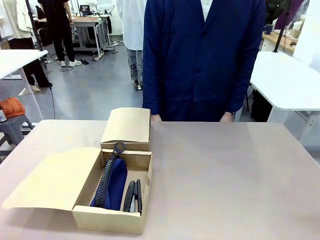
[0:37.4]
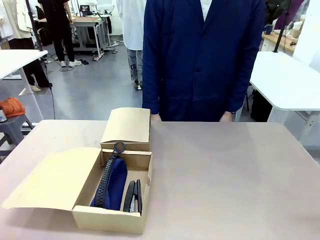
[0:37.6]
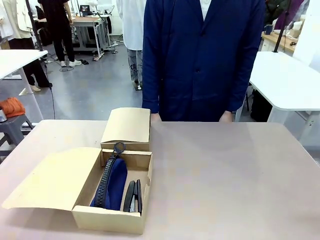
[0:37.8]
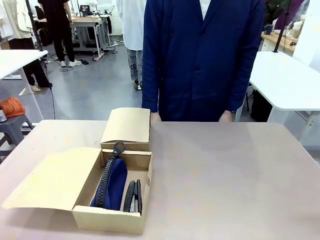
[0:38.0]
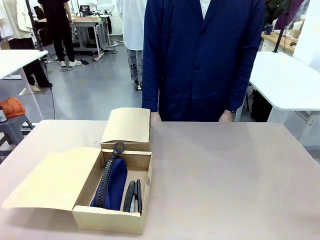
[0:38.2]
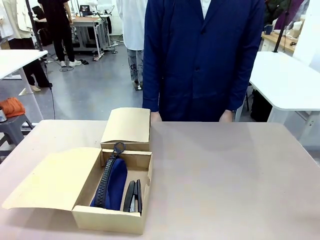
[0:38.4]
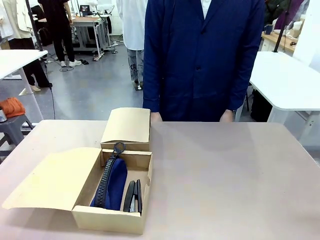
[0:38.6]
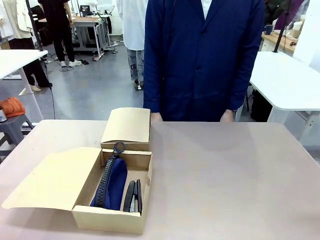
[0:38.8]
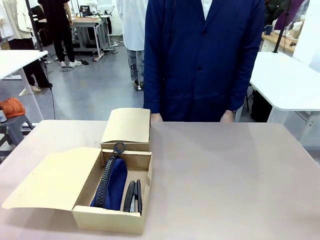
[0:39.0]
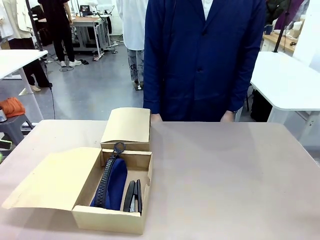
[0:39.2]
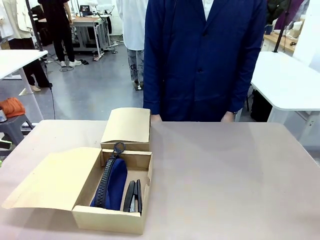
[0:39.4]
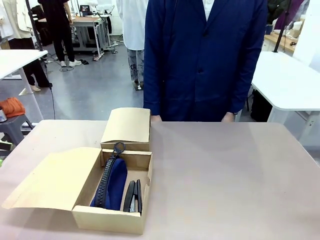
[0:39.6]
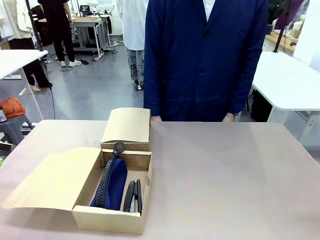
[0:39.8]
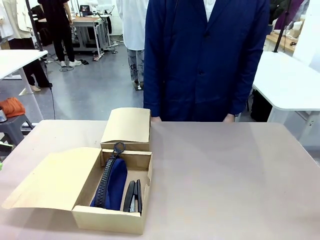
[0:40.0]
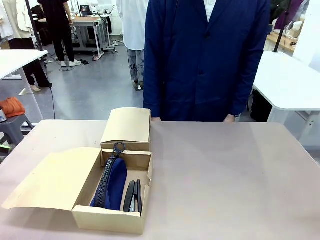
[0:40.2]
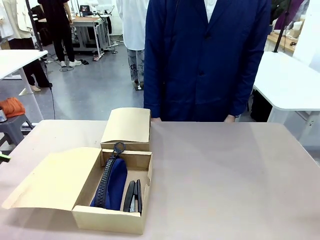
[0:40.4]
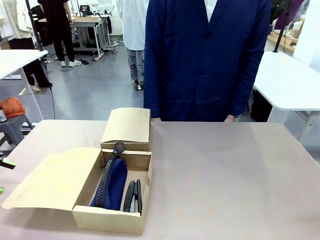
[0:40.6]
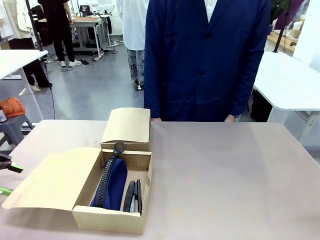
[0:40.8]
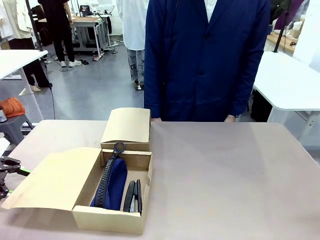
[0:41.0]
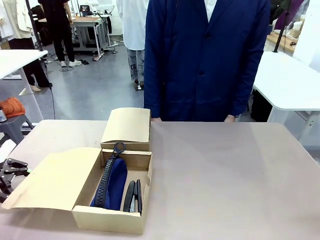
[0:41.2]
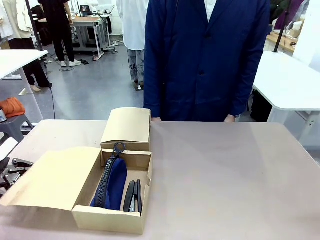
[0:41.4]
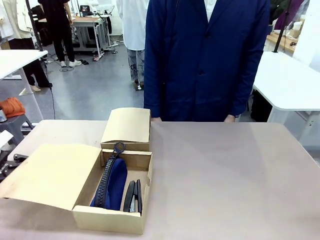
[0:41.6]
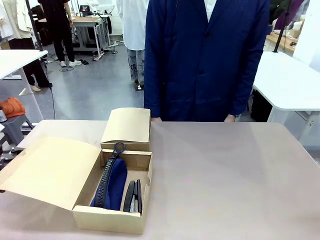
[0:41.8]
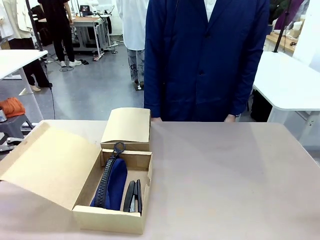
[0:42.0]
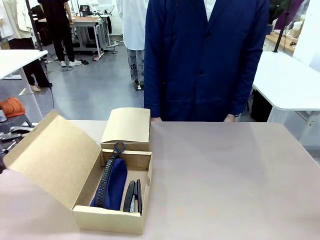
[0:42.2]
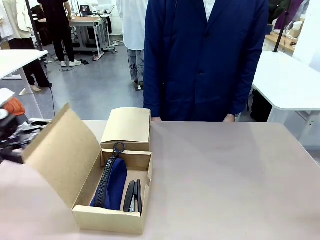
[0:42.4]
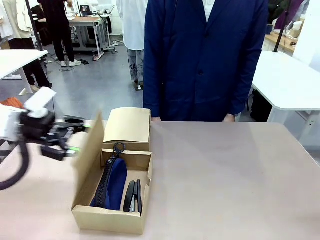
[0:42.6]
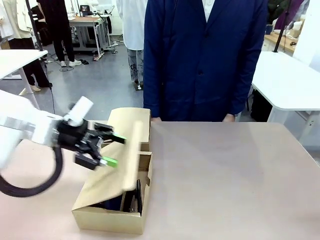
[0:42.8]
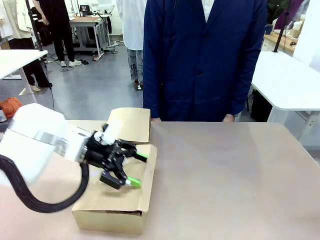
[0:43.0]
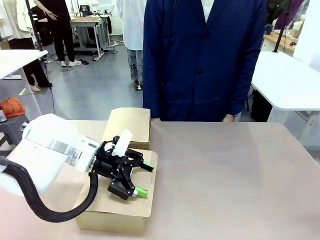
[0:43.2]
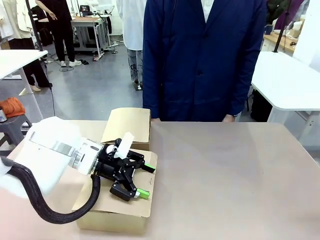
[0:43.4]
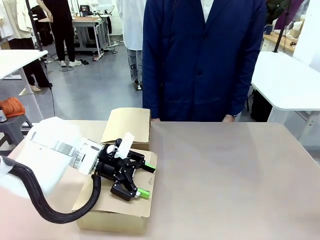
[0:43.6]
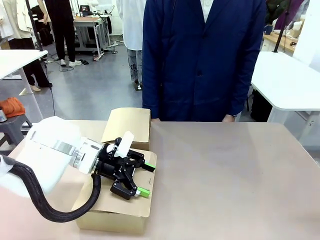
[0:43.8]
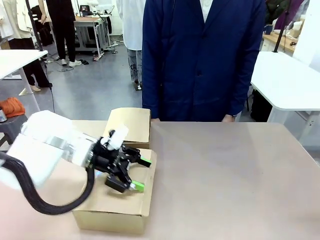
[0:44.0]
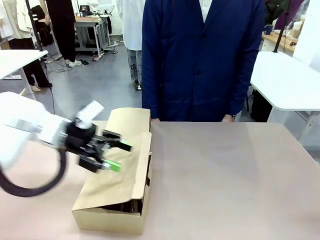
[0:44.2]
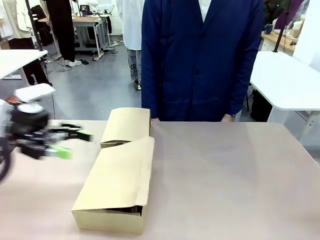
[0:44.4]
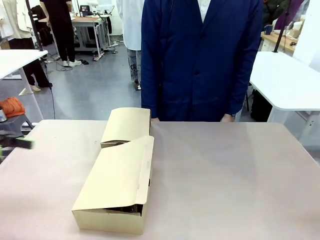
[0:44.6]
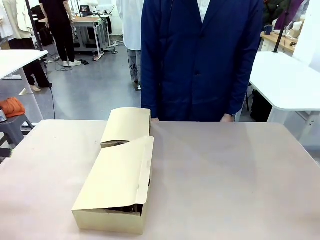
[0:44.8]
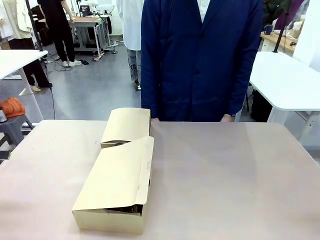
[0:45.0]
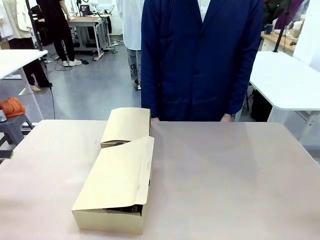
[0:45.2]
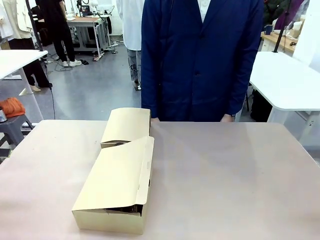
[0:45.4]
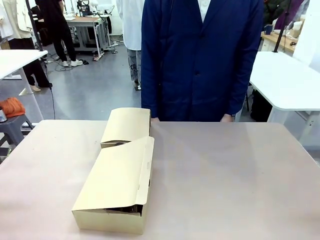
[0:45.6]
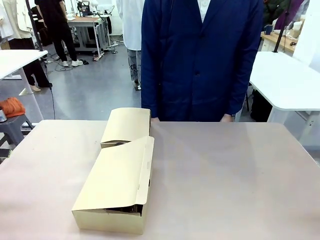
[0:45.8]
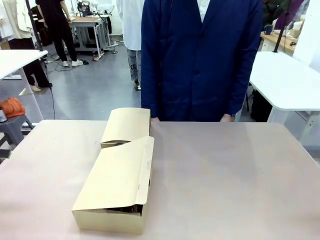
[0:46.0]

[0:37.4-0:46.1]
Task: Place items inside the box.
Robot: Close the lid of the Mailer Box closest to the robot.

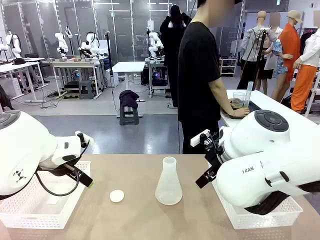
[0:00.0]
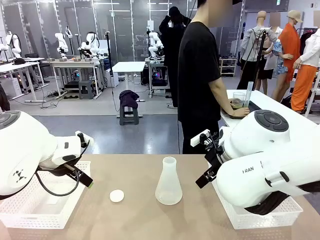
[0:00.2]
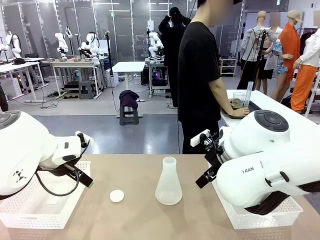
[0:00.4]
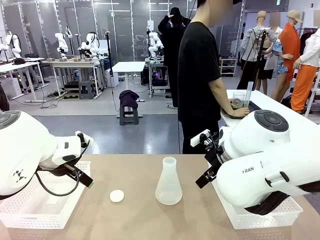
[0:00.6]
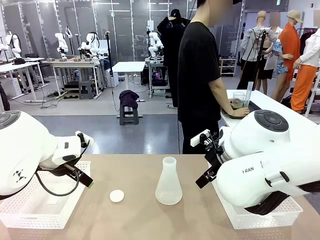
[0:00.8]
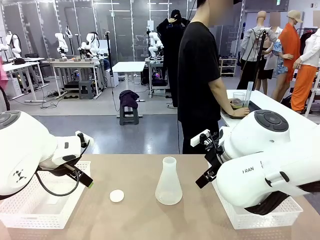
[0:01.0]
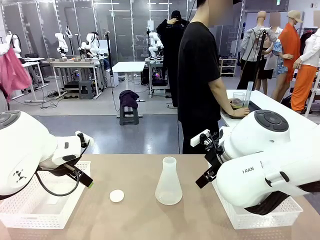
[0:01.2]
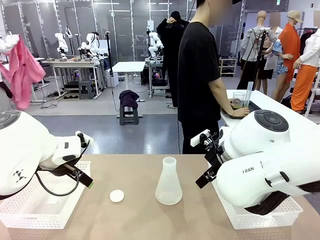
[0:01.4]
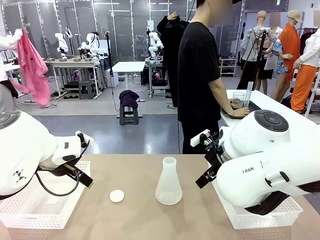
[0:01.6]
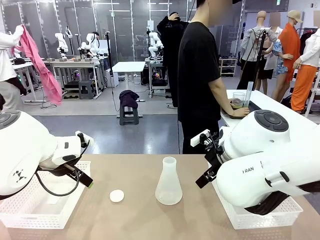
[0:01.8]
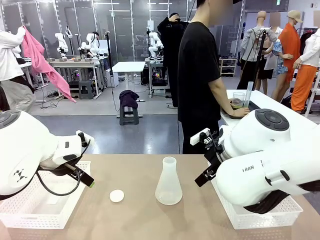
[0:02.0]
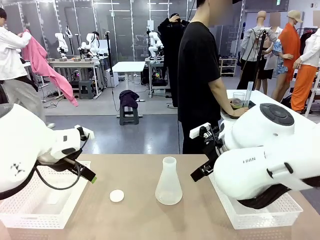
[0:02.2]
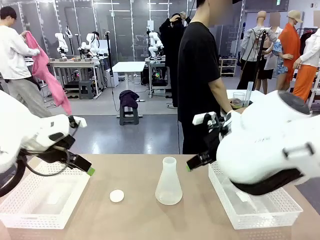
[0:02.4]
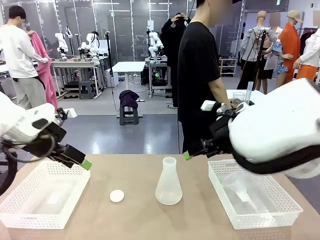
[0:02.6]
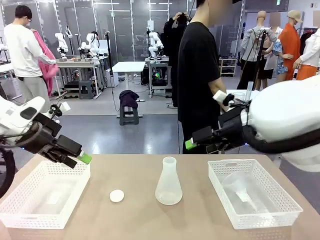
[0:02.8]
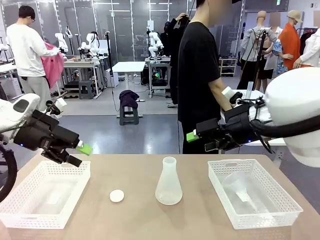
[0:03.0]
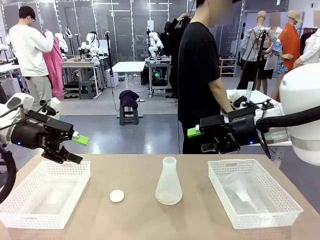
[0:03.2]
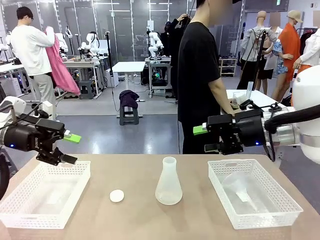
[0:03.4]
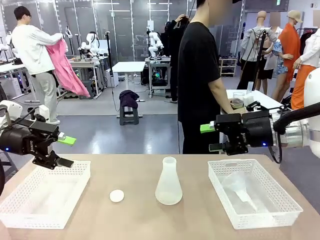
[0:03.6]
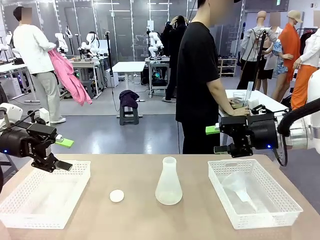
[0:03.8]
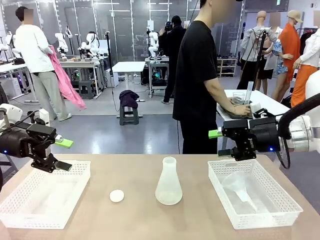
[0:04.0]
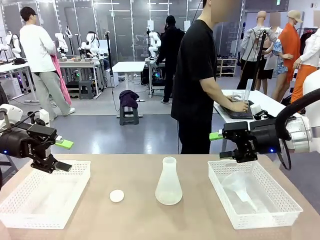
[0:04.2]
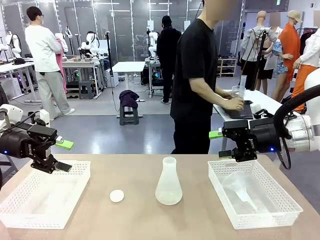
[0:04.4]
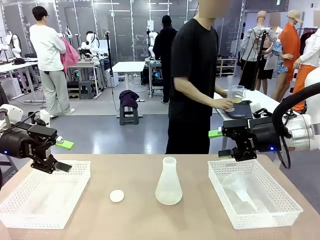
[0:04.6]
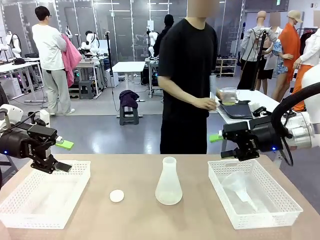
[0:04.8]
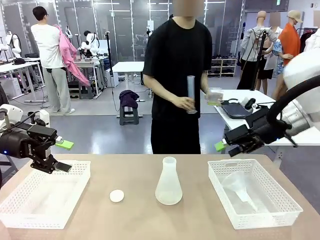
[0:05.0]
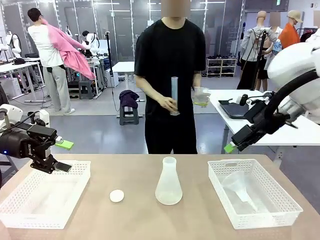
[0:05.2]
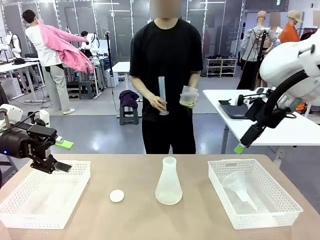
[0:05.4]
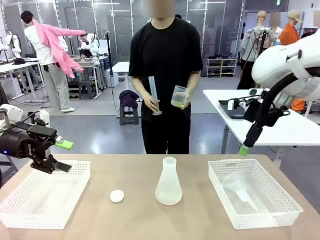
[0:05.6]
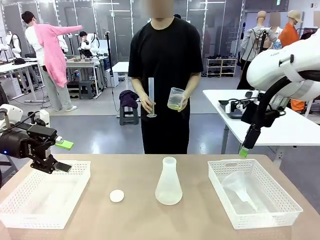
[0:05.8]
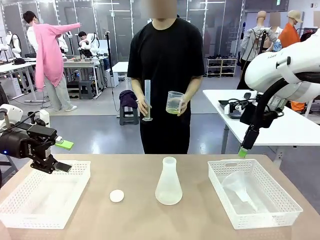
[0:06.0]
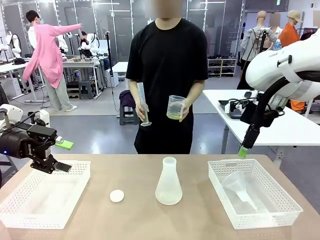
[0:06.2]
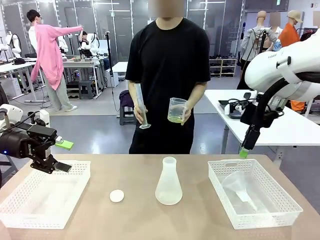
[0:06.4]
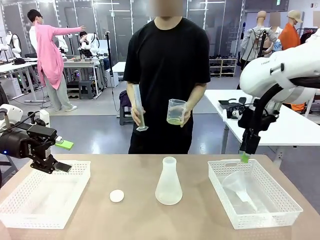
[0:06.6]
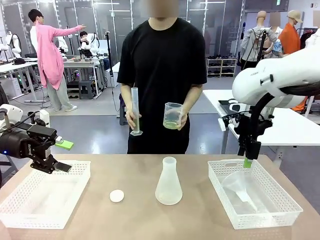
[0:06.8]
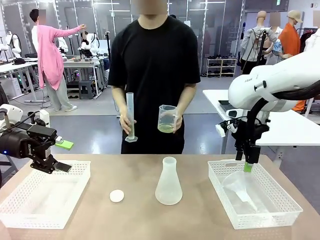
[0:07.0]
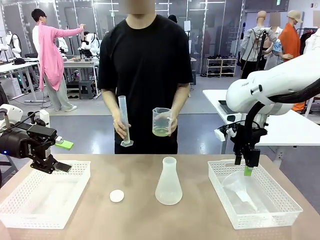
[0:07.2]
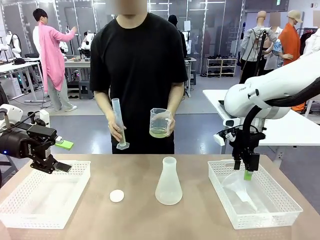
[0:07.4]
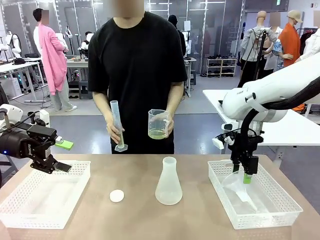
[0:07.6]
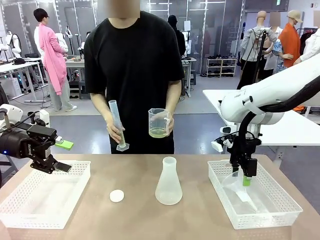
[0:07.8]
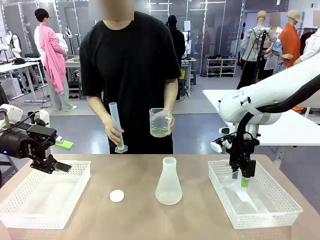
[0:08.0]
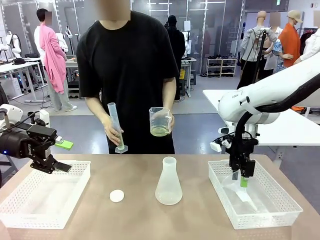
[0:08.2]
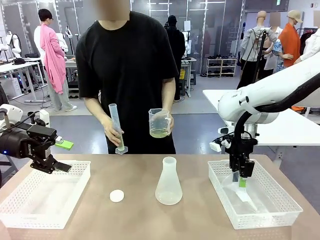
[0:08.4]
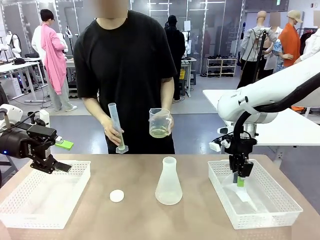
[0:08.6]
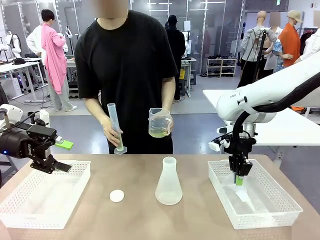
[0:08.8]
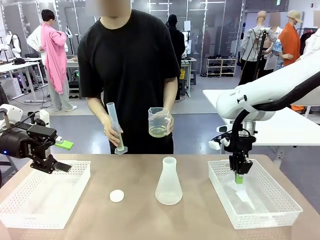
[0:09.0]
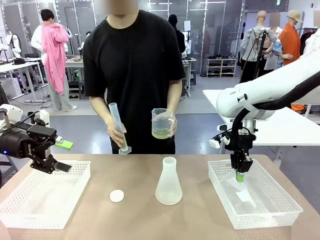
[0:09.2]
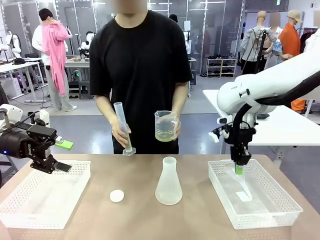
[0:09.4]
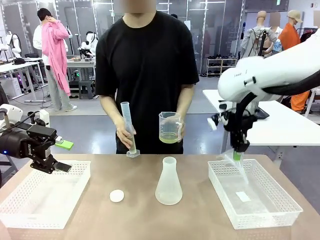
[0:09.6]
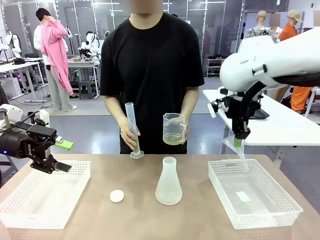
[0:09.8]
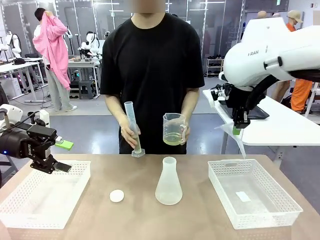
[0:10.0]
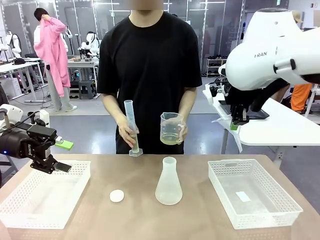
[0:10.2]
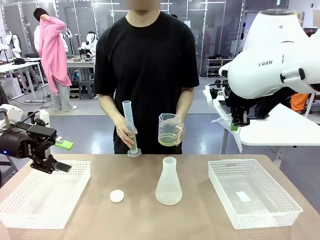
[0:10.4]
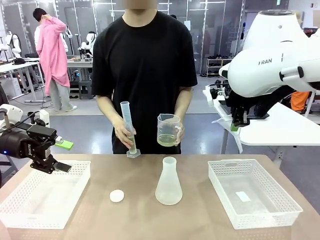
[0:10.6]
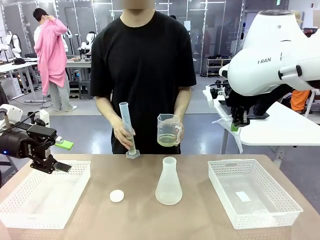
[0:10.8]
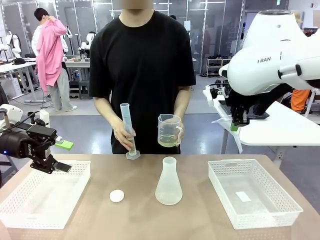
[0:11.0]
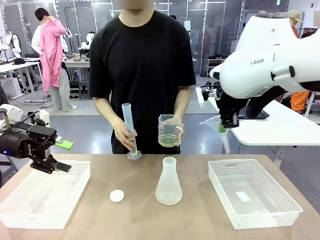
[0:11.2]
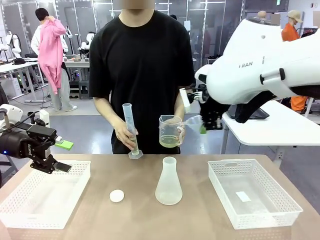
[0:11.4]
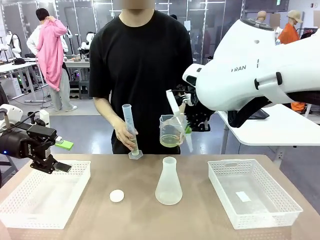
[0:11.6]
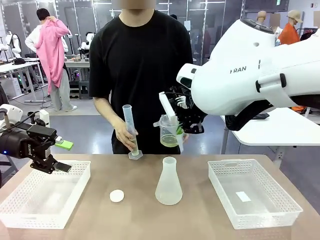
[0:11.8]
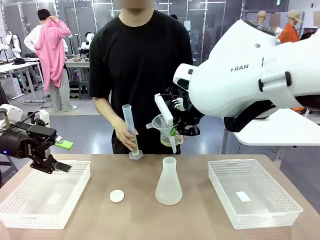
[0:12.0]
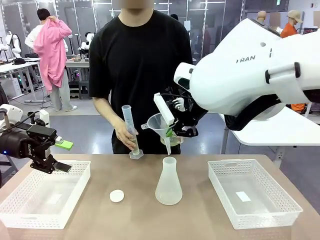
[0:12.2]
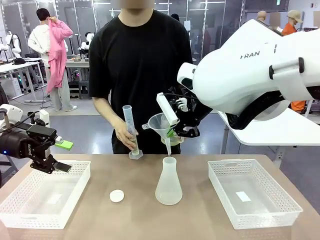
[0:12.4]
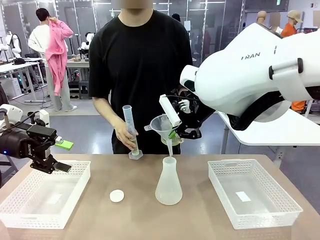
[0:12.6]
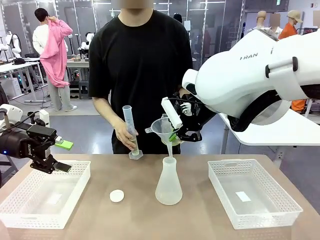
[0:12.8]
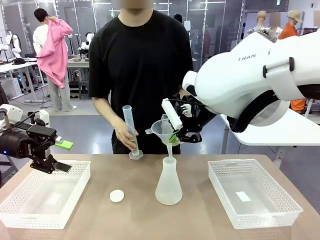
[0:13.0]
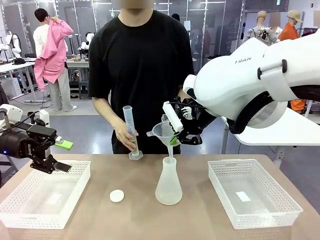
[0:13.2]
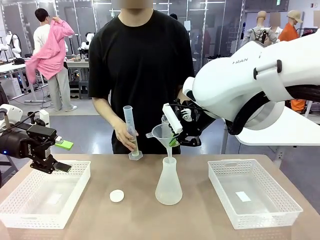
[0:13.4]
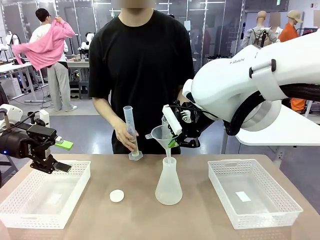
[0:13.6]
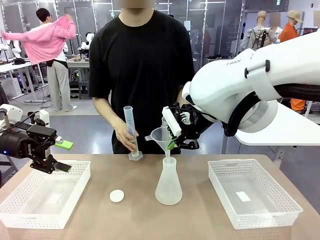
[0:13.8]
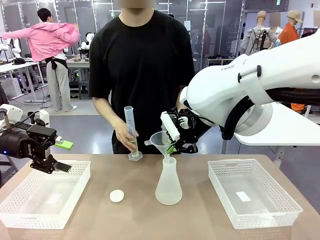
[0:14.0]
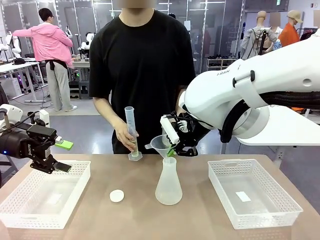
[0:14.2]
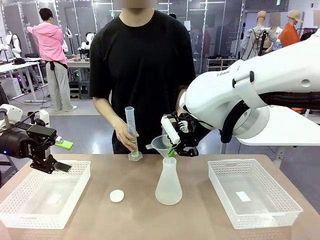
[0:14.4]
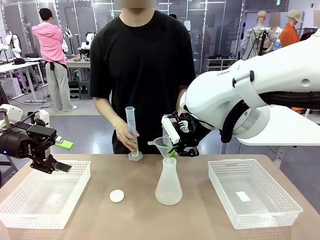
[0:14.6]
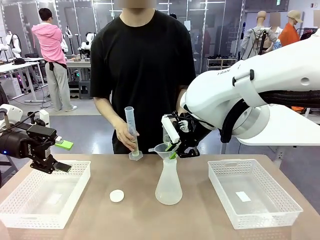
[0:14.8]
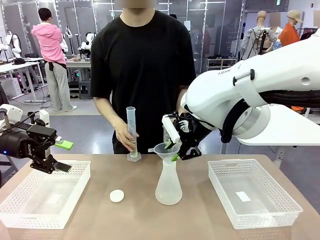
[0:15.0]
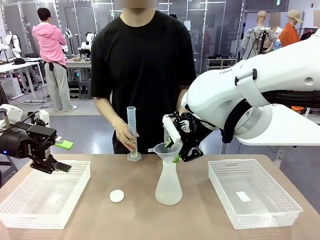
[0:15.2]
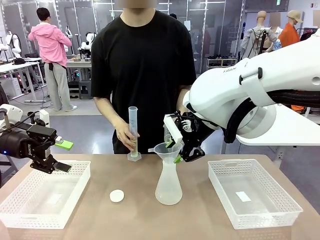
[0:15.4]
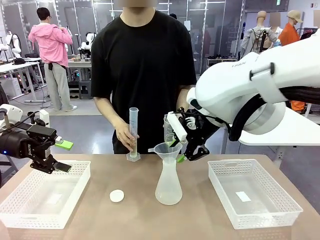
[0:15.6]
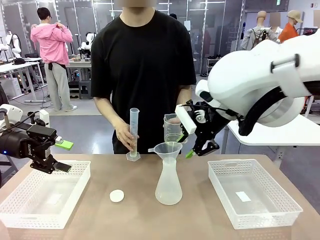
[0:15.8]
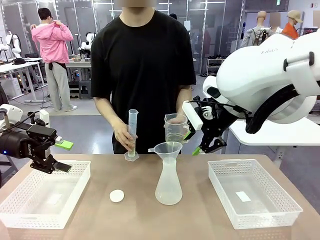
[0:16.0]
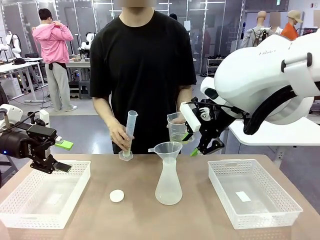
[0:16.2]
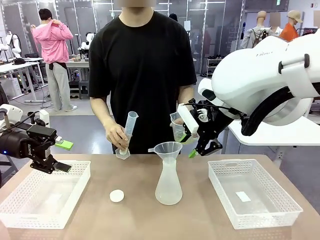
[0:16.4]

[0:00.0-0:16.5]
Task: Prepare the solutions needed for the experiment.
Robot: Pick up the Plastic Funnel and insert it into the Big flask.
Person: Pick up the beaker and the cylinder and move to the middle of the robot table. Pour the solution from the beaker and the cylinder into the flask.
